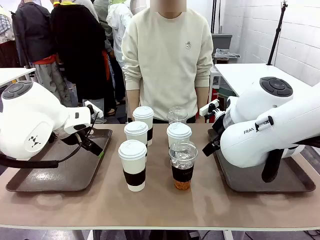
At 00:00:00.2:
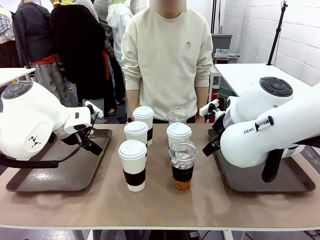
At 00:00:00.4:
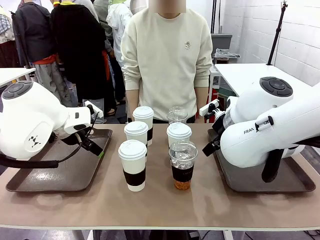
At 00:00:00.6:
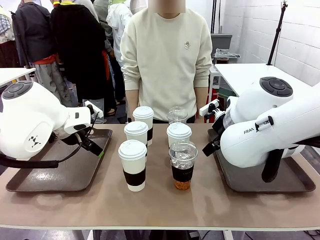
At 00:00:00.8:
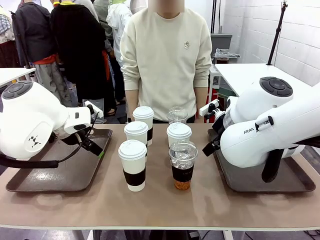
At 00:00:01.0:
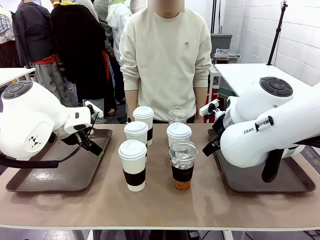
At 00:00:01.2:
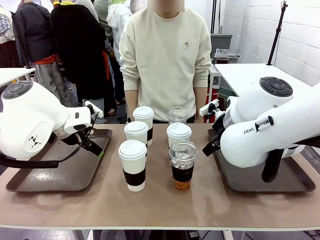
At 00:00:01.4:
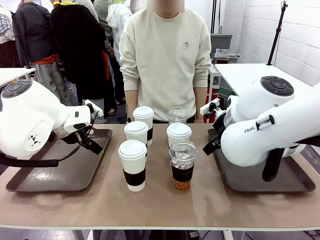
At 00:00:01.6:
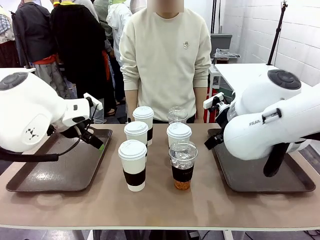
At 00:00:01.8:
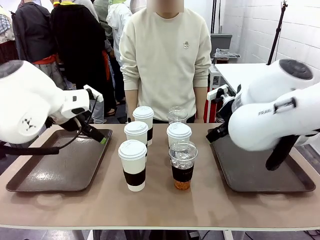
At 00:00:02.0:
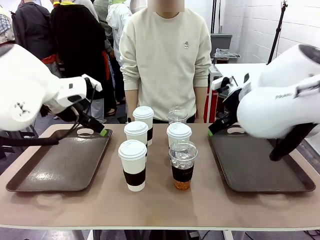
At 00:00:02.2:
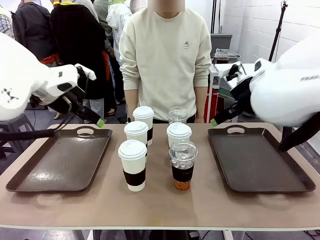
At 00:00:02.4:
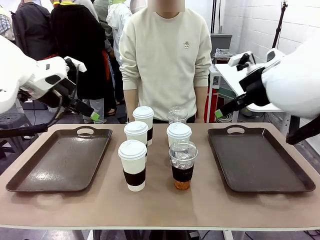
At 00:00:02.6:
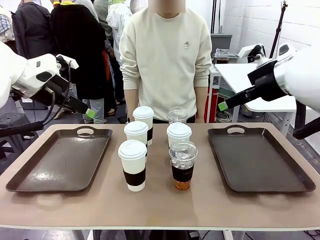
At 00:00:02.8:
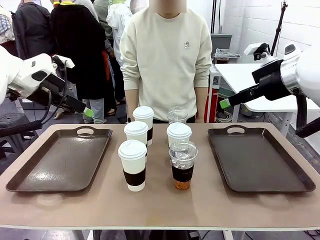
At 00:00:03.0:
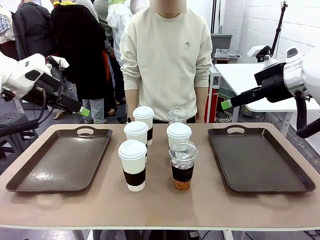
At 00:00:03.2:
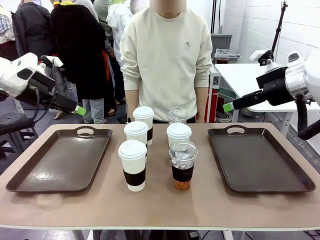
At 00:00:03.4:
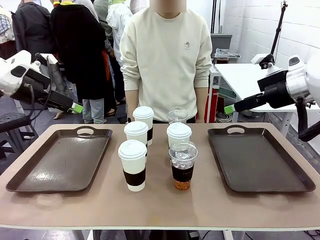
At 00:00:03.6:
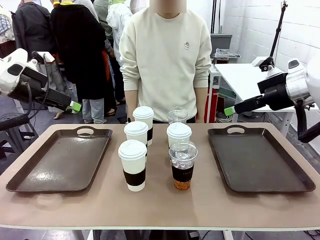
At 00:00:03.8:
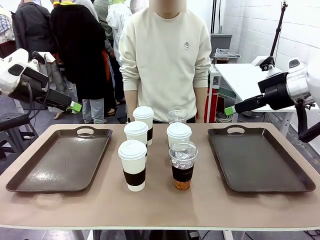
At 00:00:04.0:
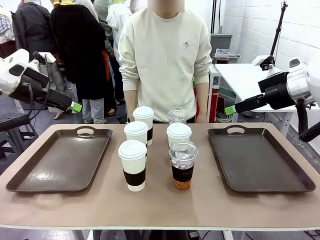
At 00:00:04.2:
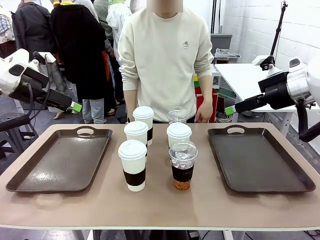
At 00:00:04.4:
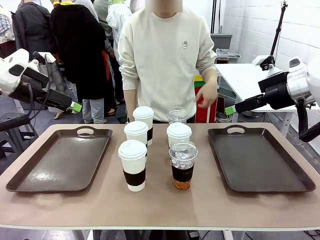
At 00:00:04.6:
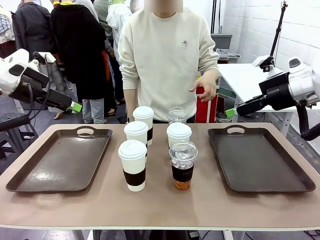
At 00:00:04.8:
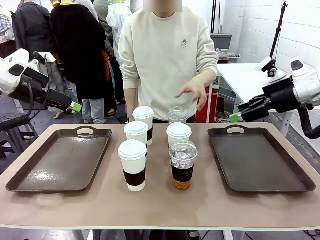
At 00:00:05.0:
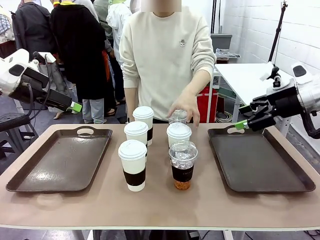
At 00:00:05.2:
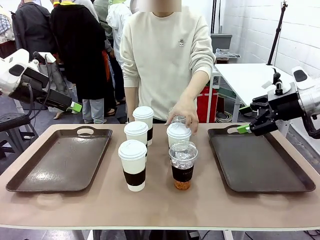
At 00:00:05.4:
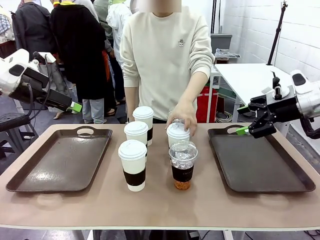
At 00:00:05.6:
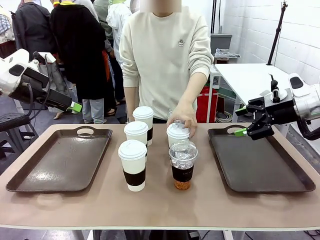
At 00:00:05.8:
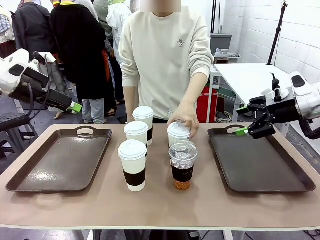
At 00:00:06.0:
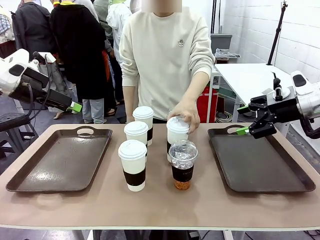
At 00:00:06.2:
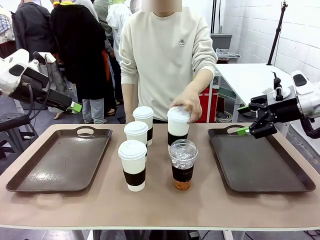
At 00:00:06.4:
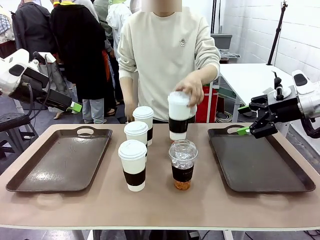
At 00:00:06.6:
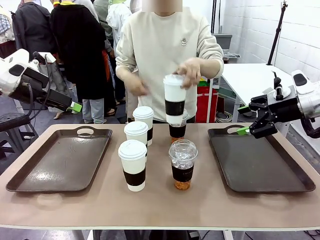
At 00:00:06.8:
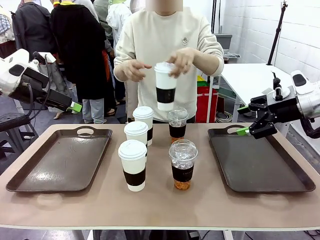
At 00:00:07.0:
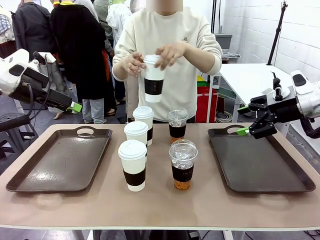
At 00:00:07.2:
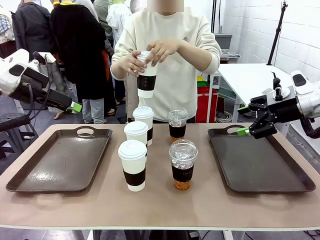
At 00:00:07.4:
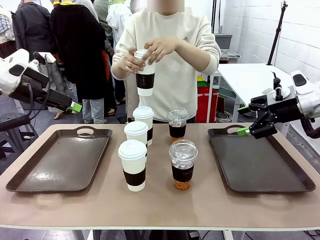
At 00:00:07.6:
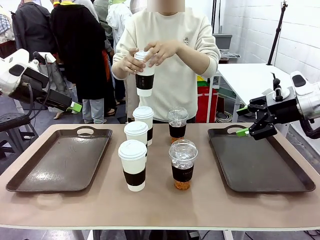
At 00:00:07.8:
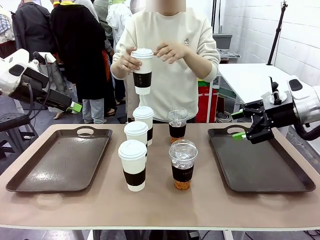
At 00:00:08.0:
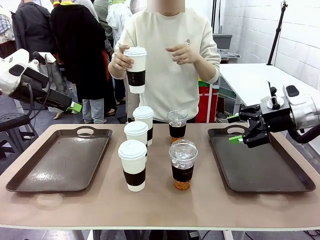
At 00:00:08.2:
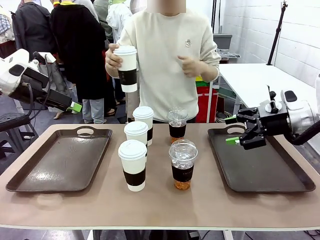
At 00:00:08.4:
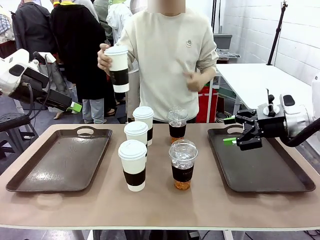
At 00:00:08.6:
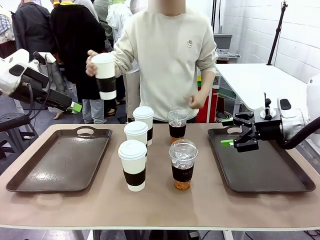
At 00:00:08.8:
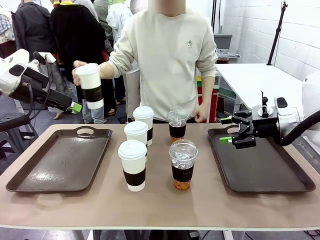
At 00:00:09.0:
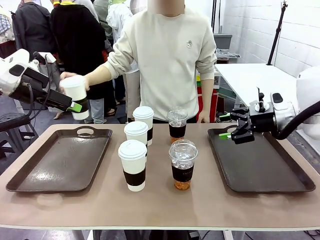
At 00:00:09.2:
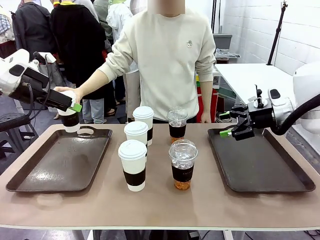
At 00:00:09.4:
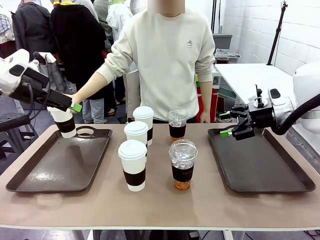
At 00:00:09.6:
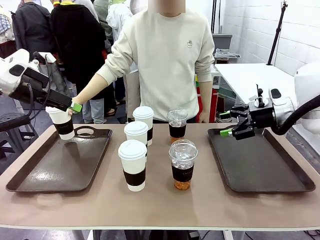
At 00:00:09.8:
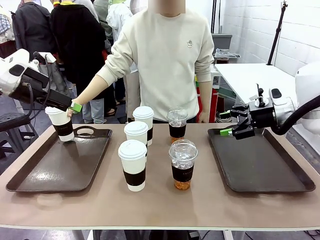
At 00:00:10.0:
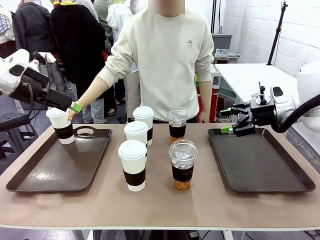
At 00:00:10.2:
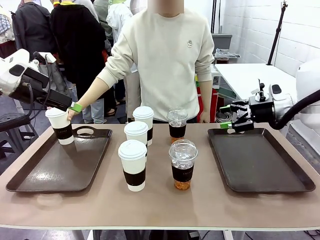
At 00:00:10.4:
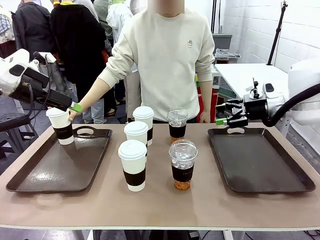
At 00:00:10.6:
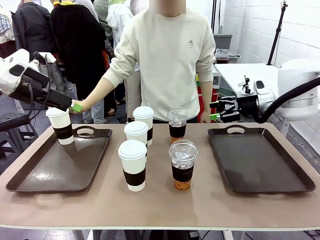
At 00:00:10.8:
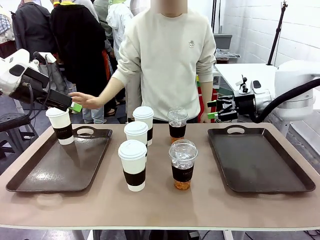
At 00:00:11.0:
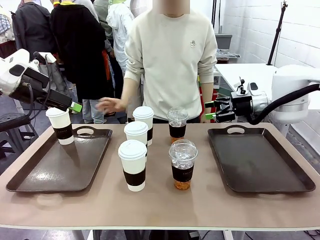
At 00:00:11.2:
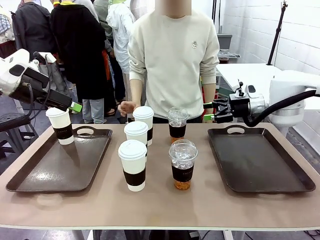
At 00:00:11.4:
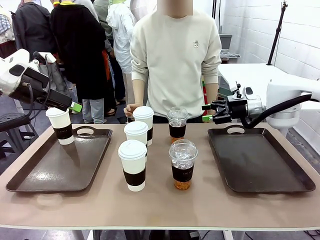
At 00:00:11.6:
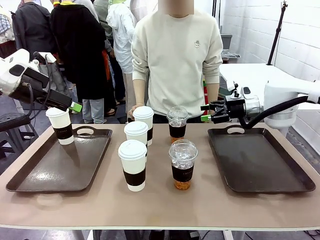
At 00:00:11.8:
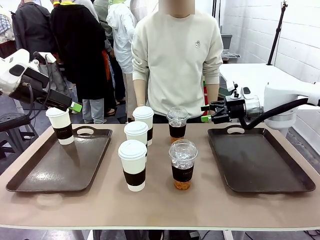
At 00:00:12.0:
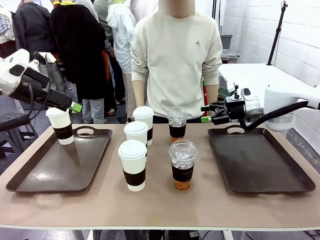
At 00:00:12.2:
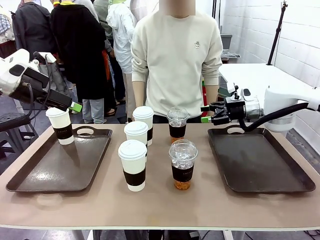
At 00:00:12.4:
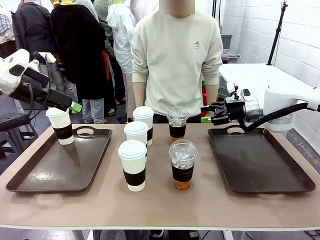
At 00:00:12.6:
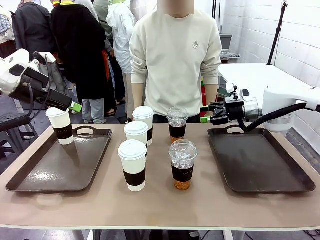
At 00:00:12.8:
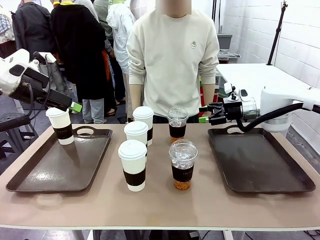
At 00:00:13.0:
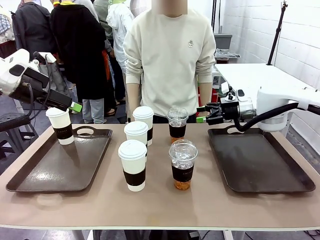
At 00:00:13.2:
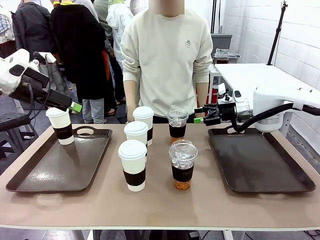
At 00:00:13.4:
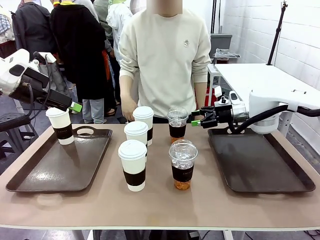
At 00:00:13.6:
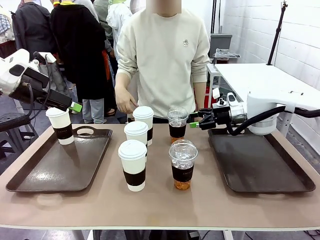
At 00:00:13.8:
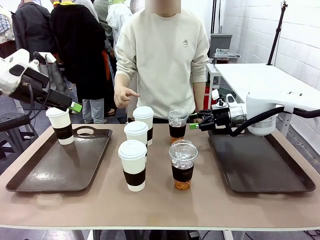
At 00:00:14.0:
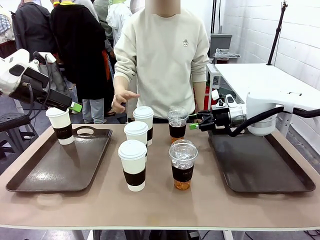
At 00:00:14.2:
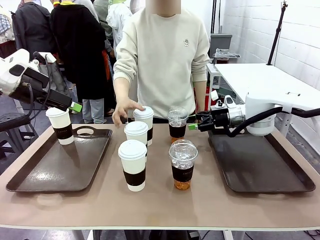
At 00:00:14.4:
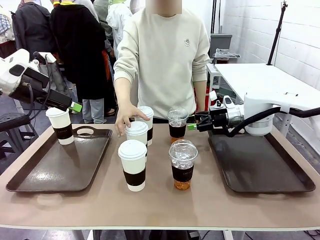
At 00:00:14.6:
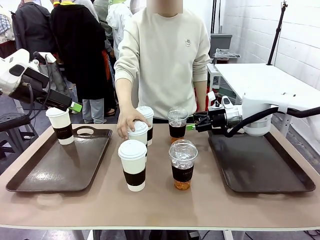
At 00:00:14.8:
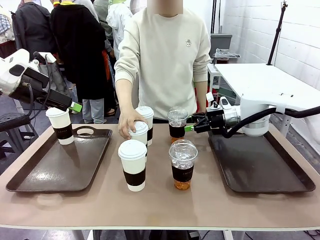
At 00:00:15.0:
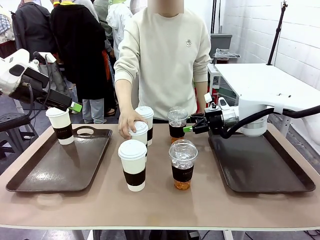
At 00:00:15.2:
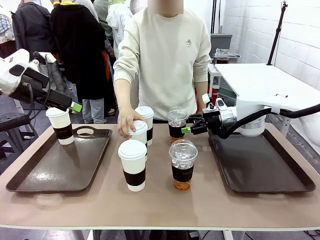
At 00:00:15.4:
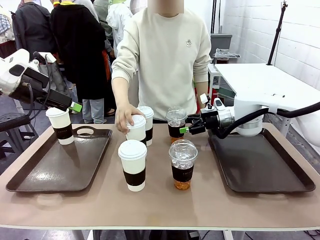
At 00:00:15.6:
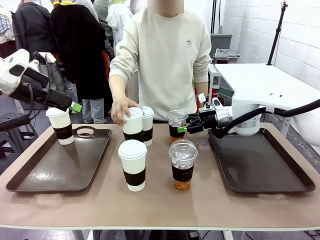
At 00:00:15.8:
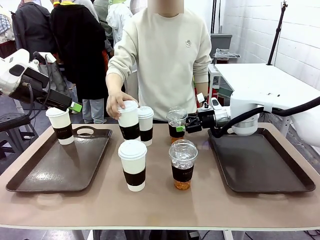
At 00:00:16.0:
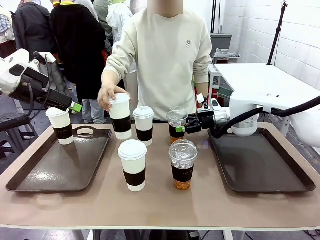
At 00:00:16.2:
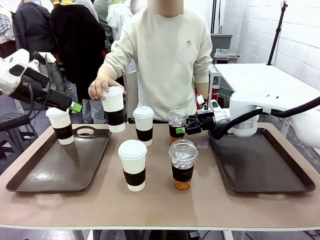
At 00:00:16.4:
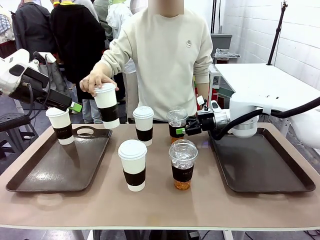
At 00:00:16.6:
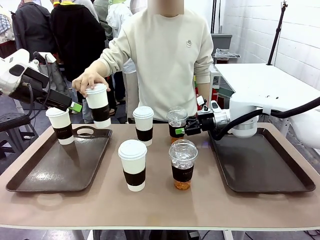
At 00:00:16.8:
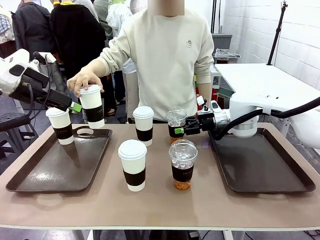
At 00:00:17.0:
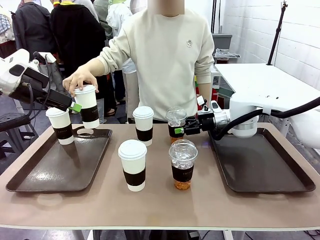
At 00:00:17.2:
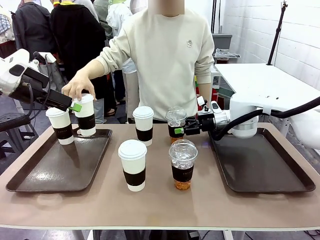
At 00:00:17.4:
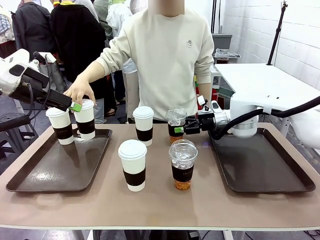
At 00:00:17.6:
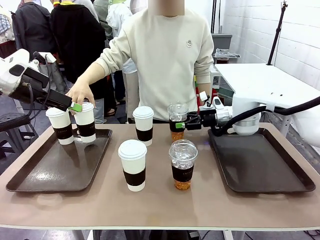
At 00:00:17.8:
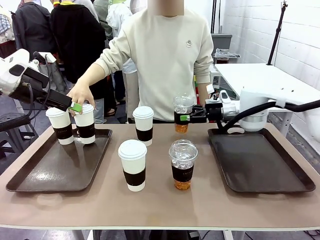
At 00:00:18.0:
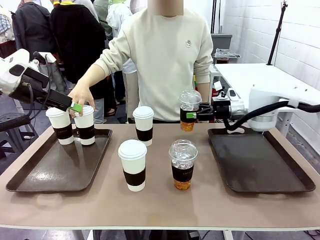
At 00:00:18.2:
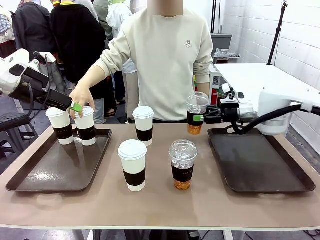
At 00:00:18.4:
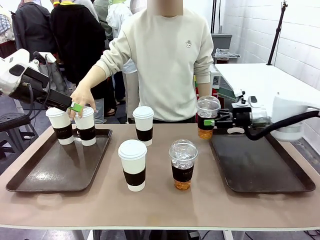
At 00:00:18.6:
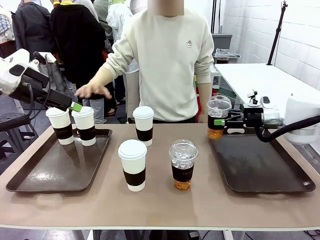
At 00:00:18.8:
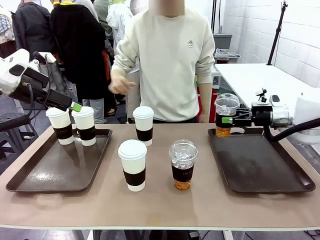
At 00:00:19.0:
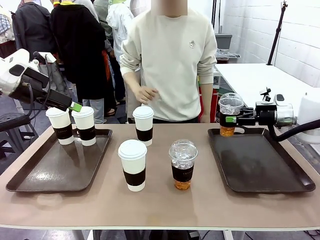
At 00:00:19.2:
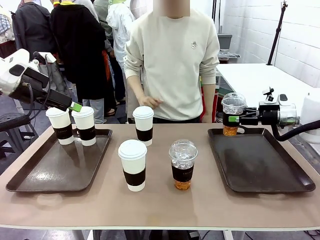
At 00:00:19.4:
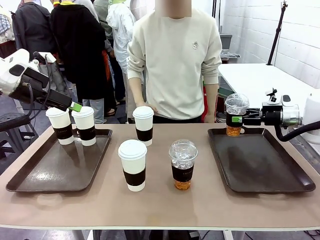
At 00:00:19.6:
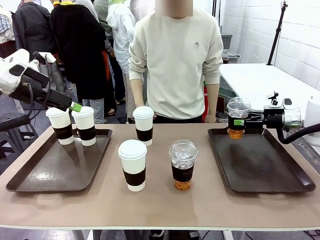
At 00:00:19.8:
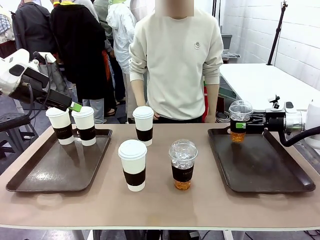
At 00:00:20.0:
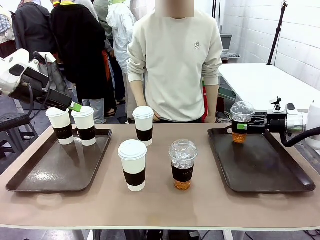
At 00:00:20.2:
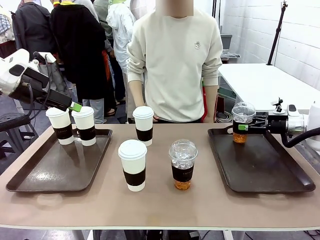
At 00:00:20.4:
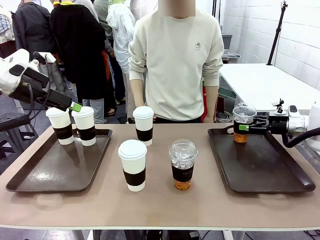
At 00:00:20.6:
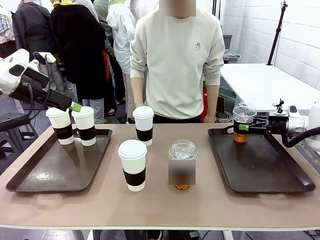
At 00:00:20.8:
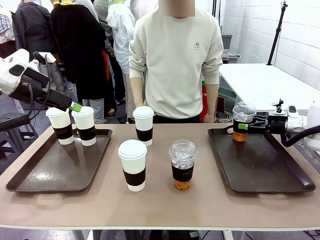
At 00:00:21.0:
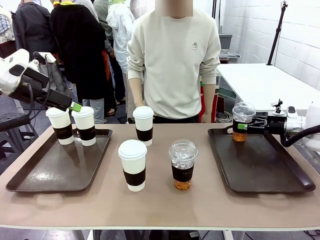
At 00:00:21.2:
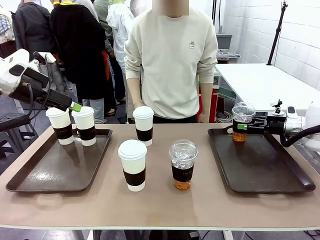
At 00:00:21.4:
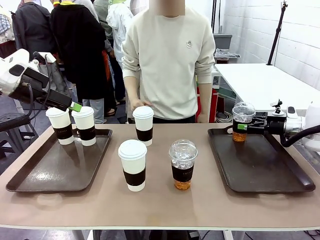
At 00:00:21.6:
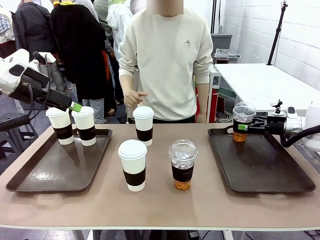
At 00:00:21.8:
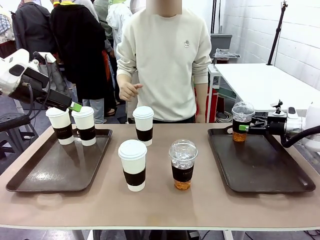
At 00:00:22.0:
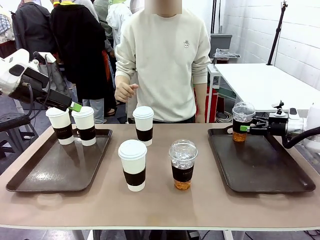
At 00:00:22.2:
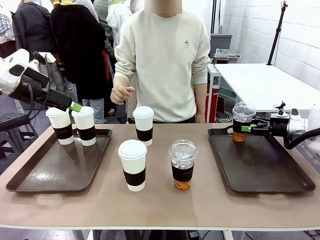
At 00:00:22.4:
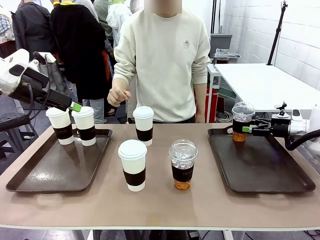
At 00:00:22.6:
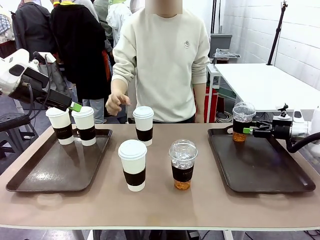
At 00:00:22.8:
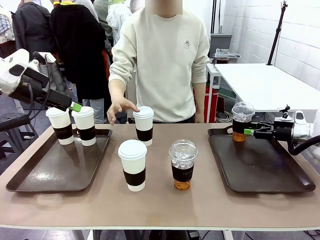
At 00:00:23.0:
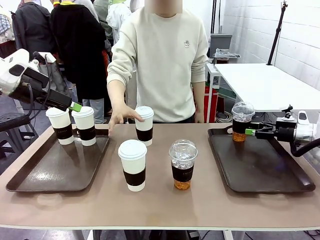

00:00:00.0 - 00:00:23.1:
Task: Distribute the coffee onto the tray.
Robot: Pick up one iced Americano and place it on the right Handle tray.
Person: Pick up a cup of hot Americano and place it on the right tray.
